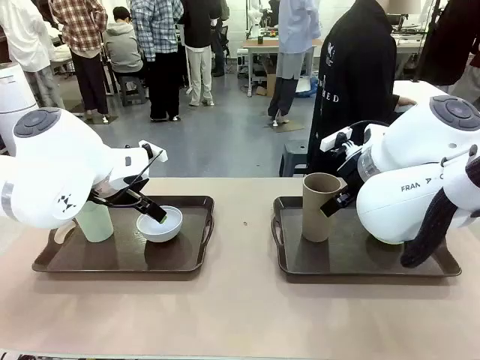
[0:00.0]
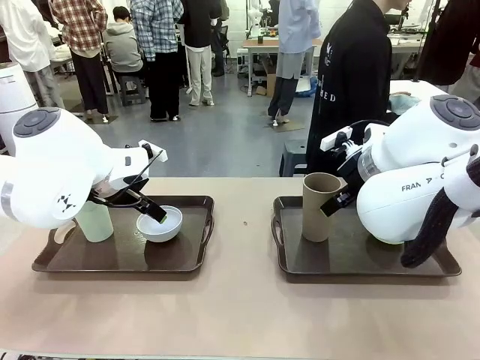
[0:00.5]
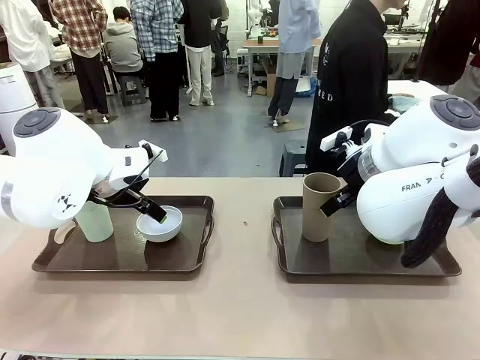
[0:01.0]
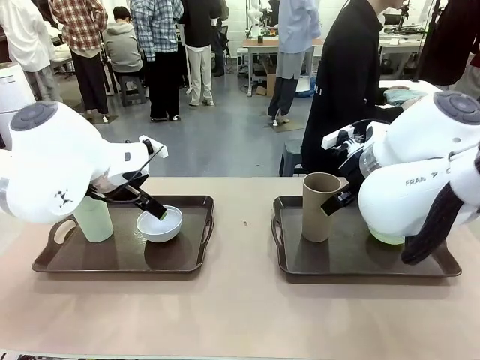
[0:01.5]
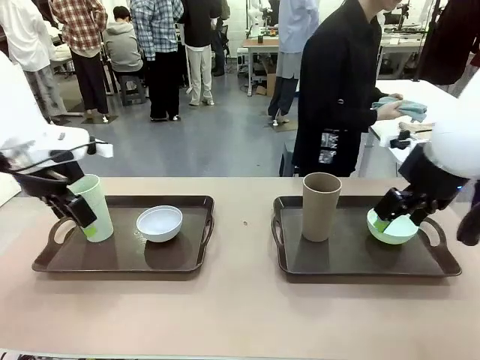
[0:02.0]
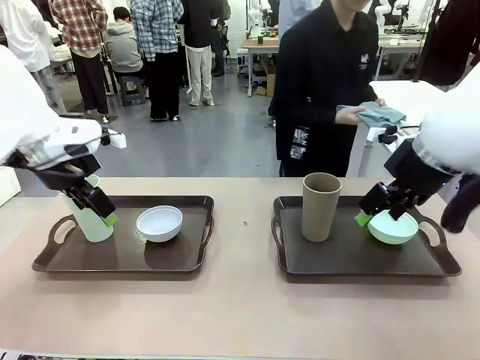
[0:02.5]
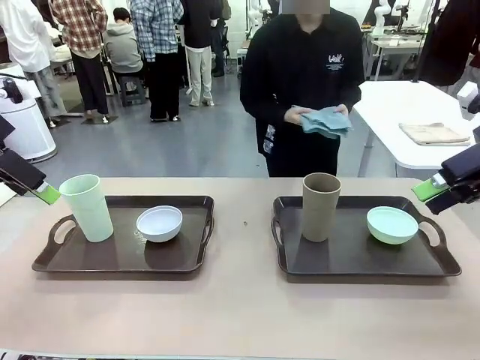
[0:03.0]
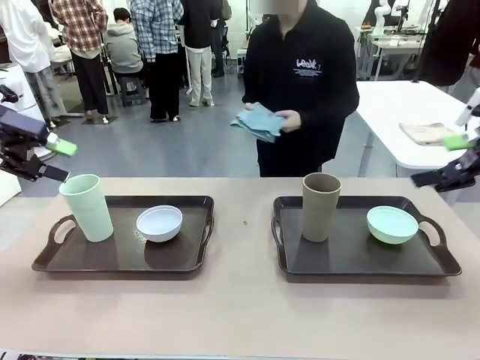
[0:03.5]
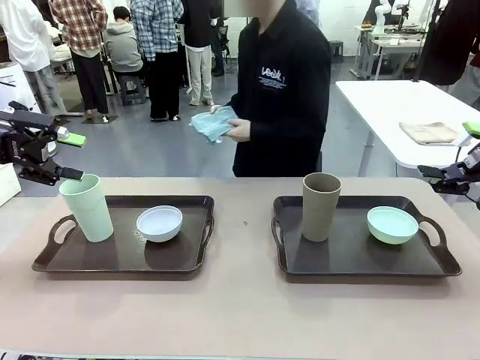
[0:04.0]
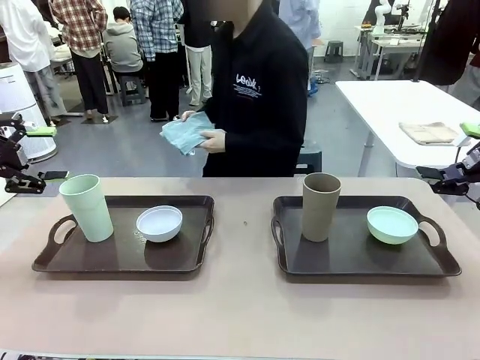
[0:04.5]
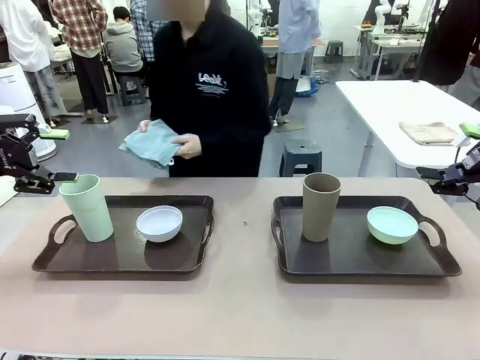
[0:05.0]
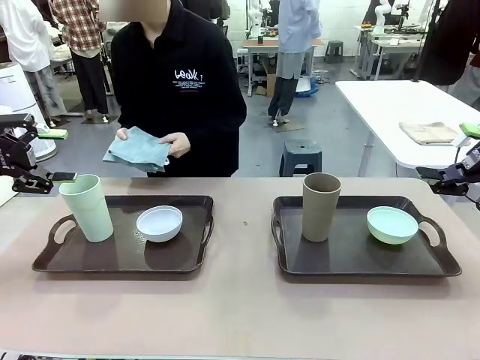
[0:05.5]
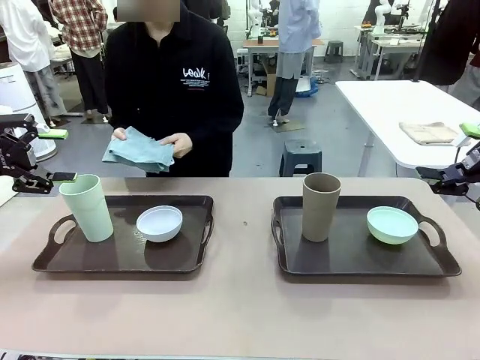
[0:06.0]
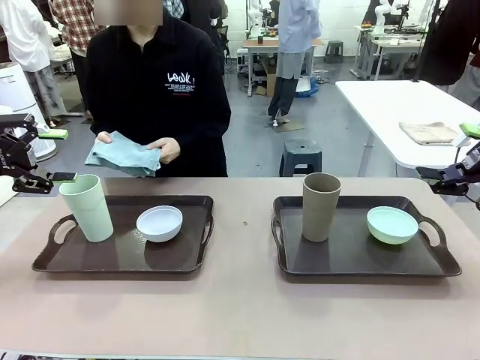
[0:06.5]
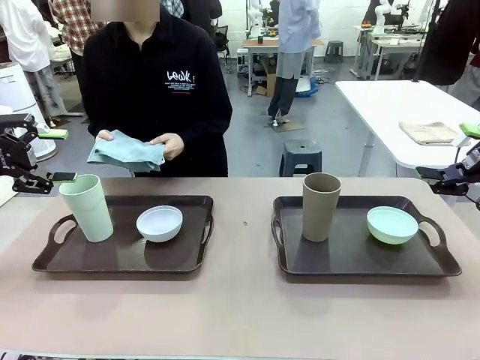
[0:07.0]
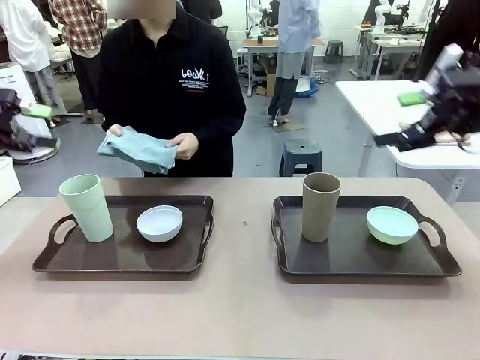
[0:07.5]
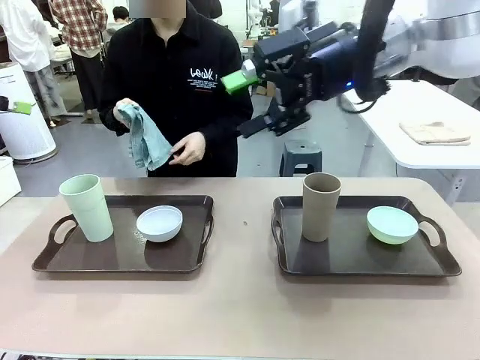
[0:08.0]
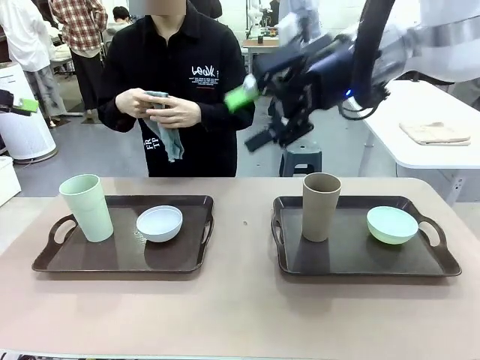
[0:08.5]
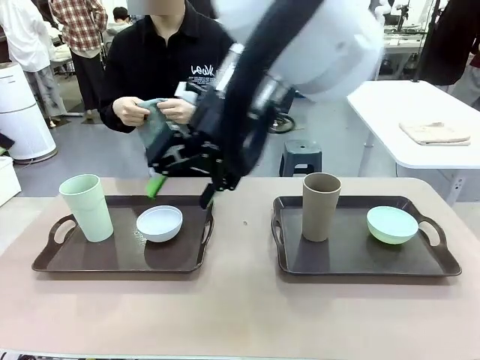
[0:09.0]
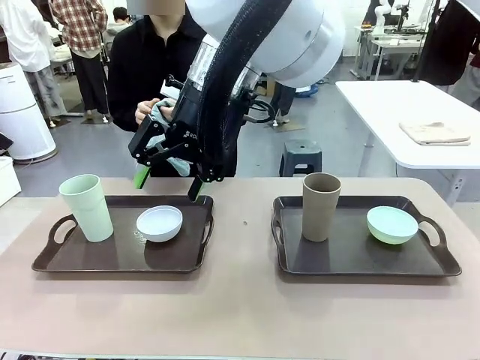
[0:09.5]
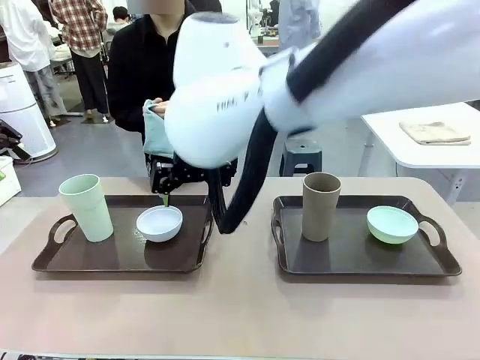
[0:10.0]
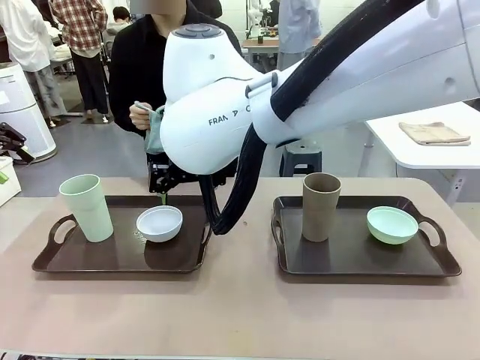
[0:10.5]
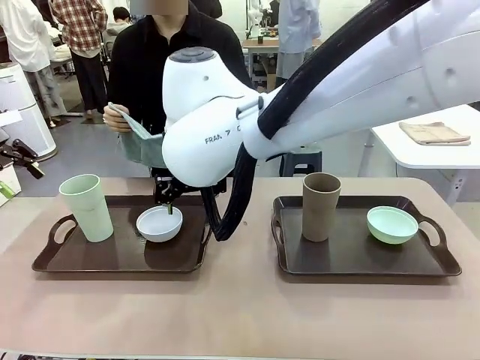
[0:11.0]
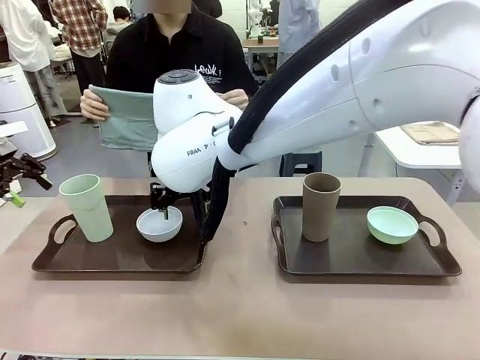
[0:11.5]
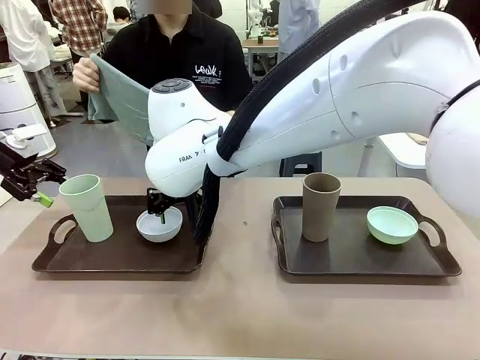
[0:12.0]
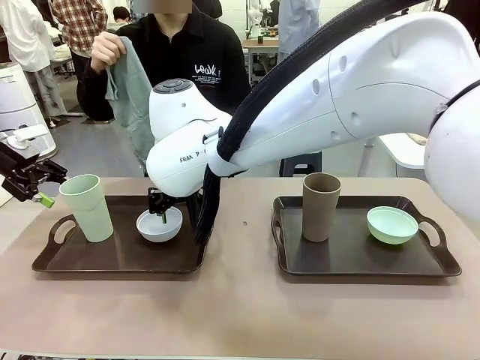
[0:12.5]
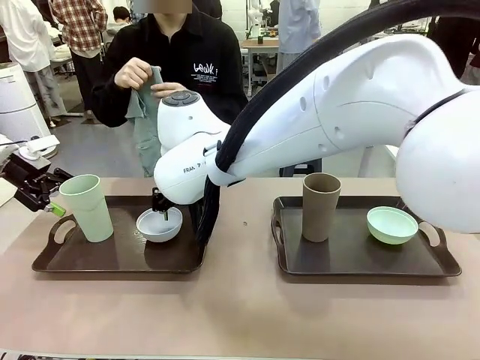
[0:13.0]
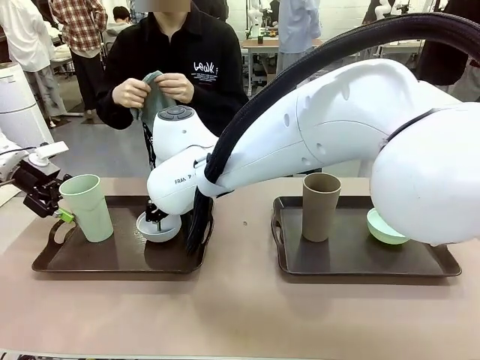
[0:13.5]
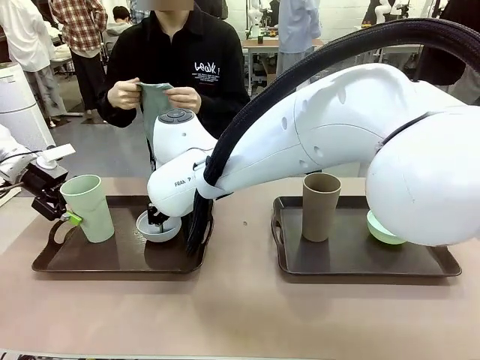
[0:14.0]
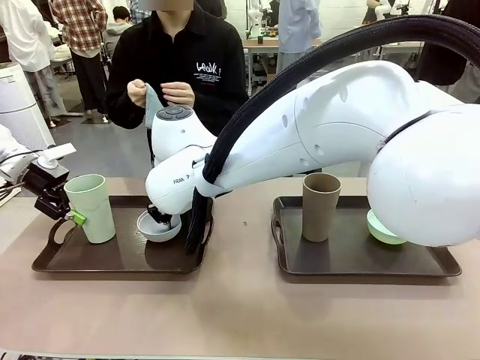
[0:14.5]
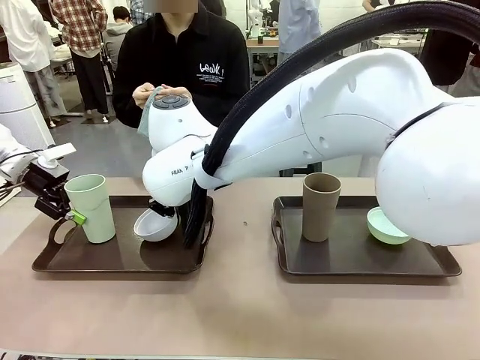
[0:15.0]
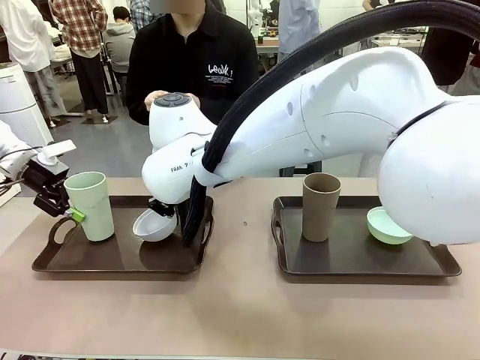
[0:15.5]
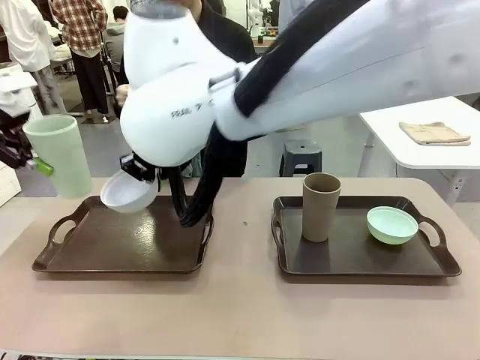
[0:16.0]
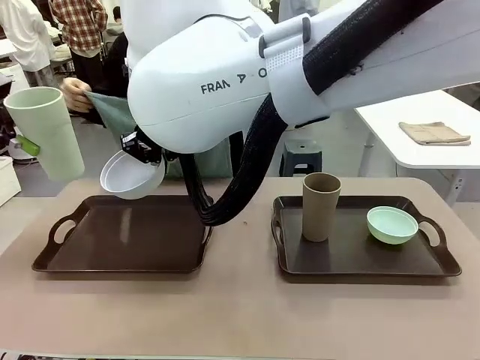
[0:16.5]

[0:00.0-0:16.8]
Robot: Pick up the Picnic Bowl and Reusable plastic cup from the Handle tray in front of the human's position and hold them in the air.
Person: The human picks up the top napkin from the stack on the human table and walks to the robot table to stand in front of one of the two trays. When the robot lifts the bowl and the cup, the human unfolds the napkin and lays the napkin flat on the tray.

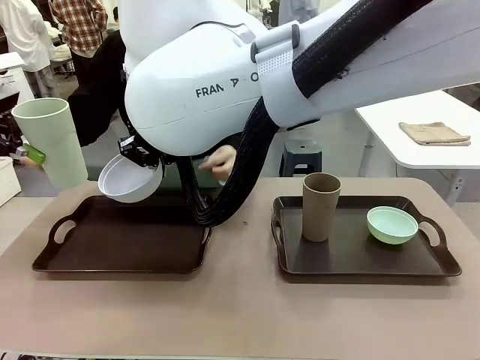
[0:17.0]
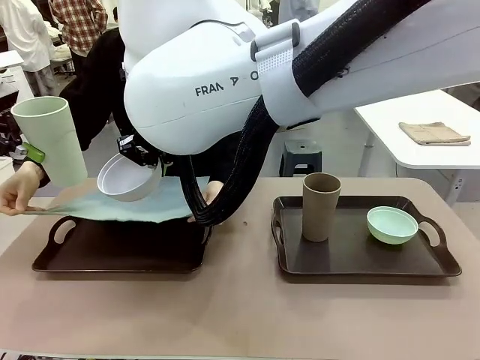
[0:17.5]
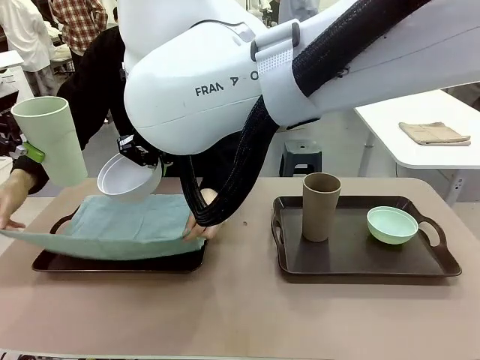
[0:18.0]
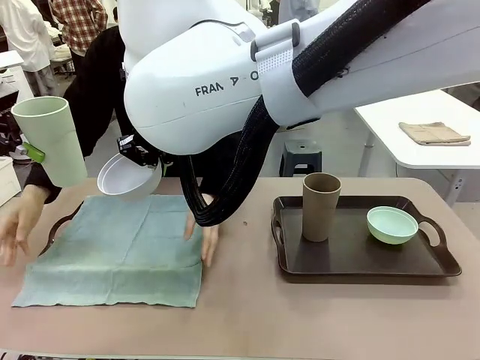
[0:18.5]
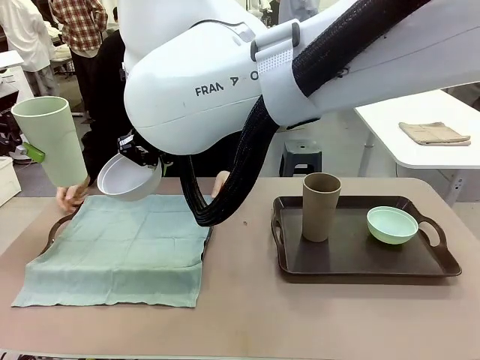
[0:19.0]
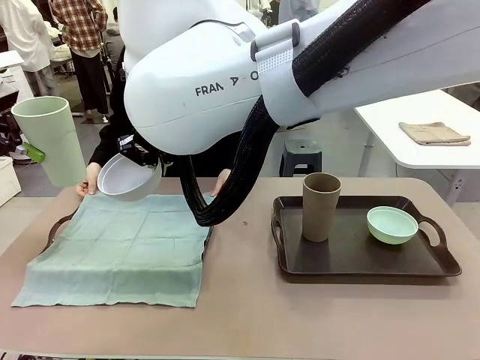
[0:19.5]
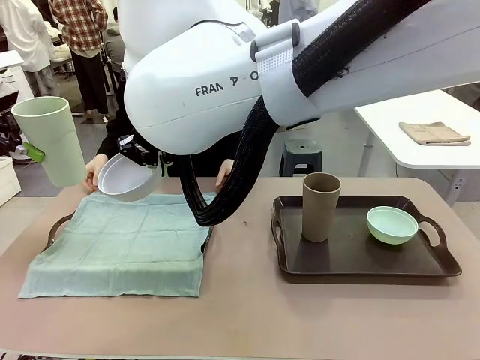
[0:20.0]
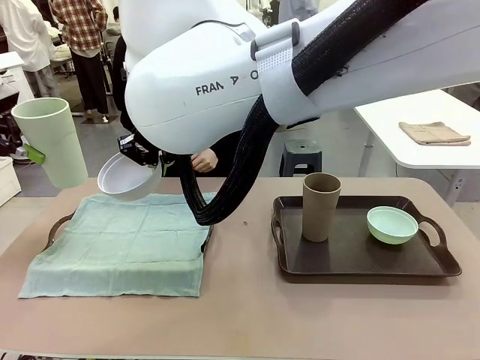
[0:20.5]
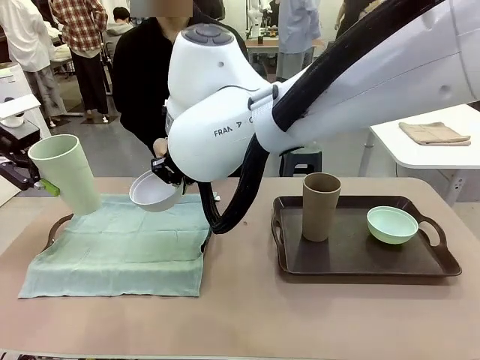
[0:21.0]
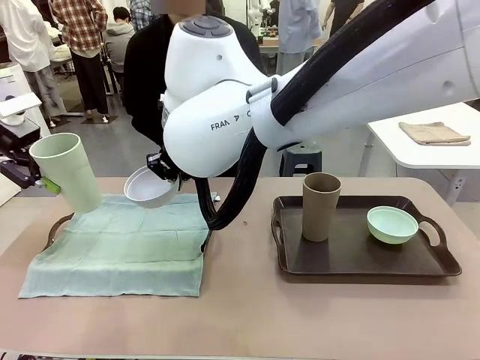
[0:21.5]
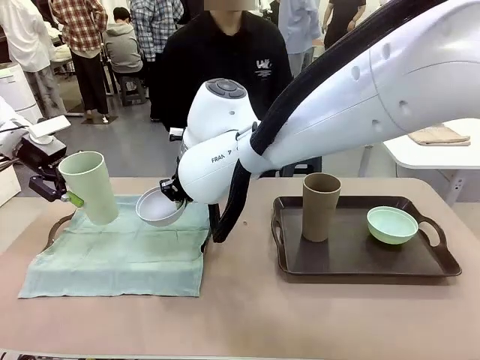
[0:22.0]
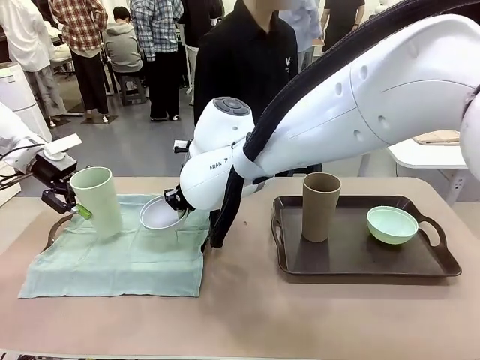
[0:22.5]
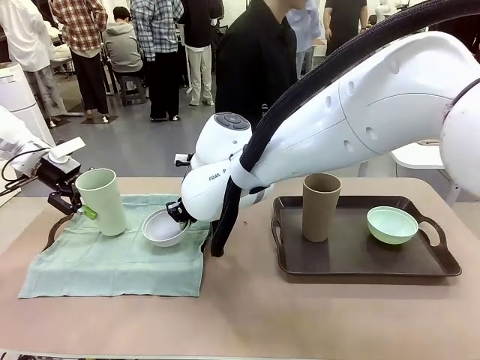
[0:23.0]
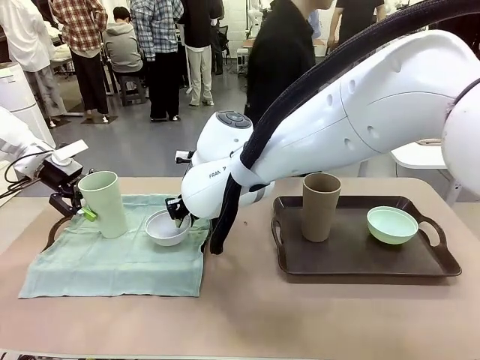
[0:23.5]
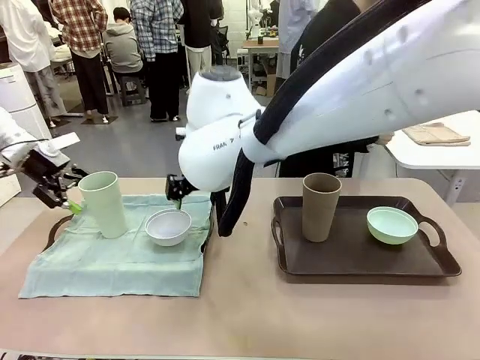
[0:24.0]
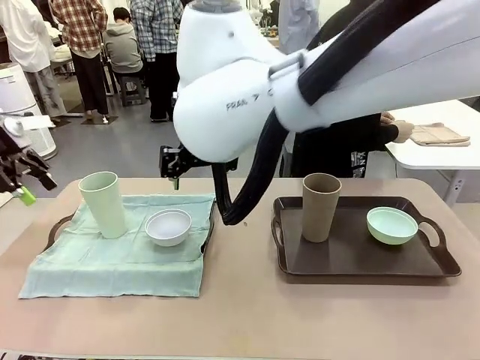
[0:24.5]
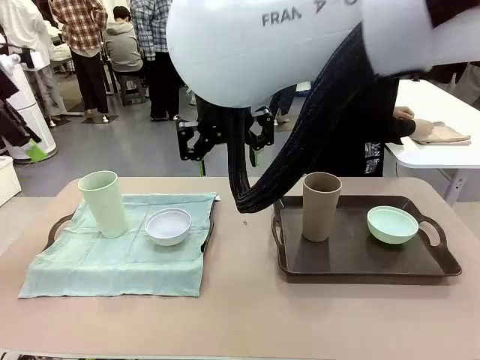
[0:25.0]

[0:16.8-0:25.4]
Robot: Place the Picnic Bowl and Reusable plastic cup back onto the Handle tray in front of the human's position.
